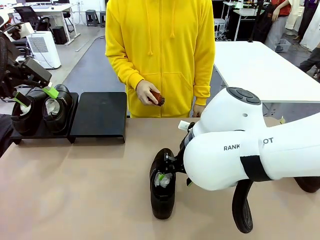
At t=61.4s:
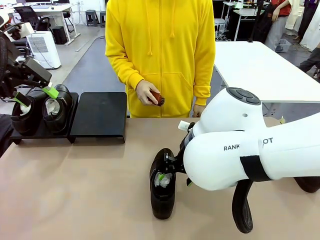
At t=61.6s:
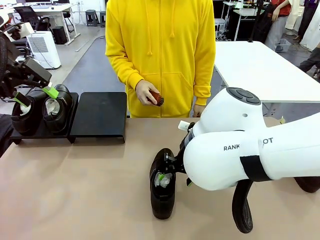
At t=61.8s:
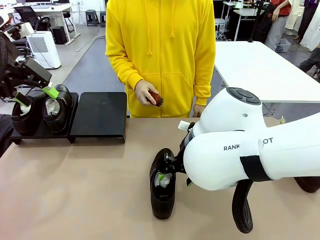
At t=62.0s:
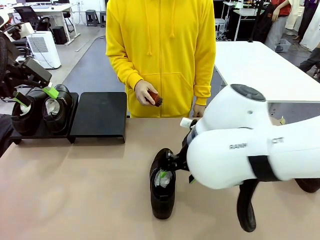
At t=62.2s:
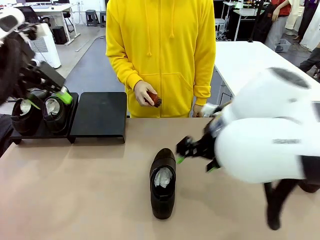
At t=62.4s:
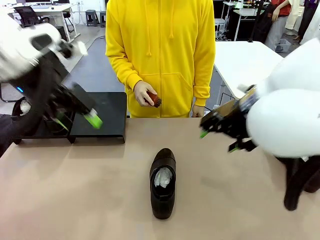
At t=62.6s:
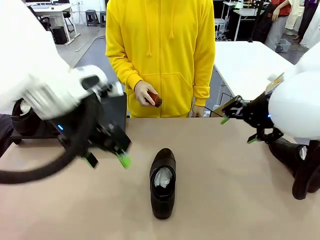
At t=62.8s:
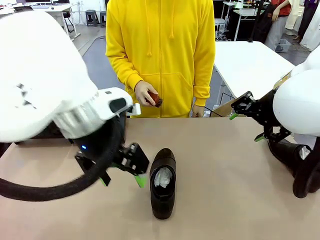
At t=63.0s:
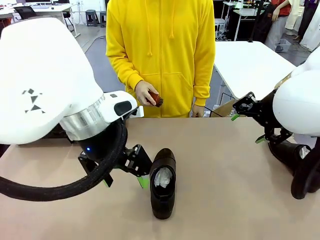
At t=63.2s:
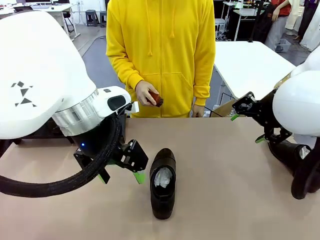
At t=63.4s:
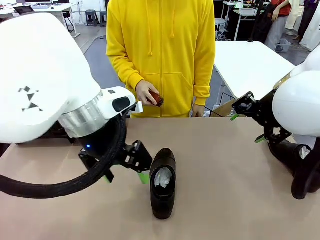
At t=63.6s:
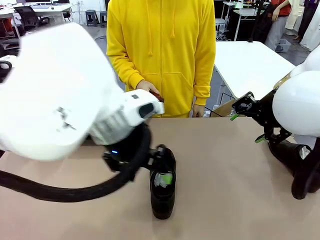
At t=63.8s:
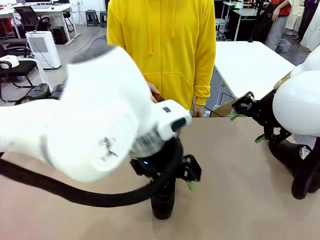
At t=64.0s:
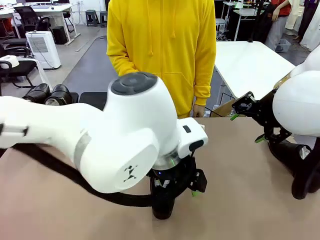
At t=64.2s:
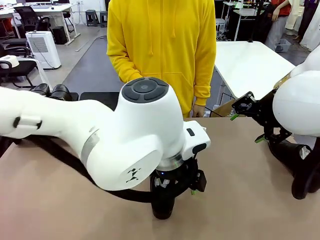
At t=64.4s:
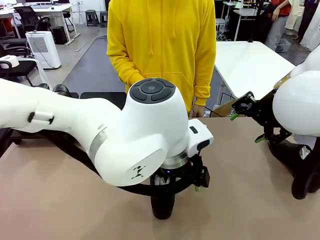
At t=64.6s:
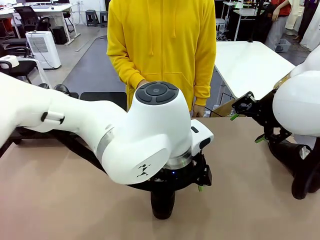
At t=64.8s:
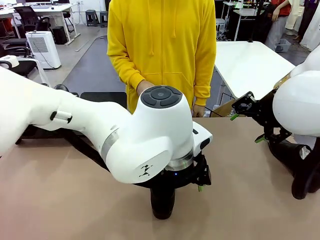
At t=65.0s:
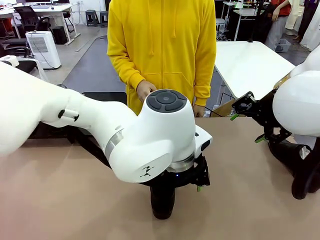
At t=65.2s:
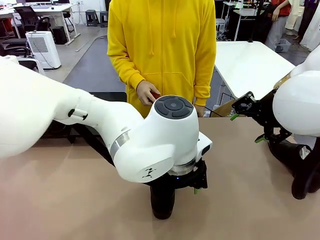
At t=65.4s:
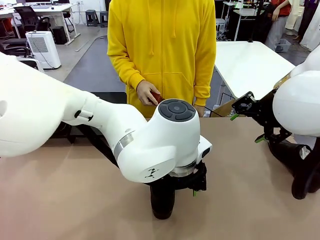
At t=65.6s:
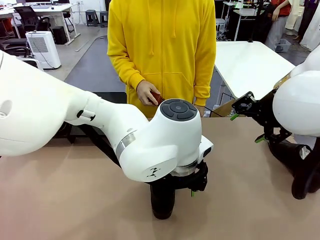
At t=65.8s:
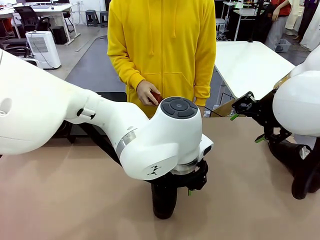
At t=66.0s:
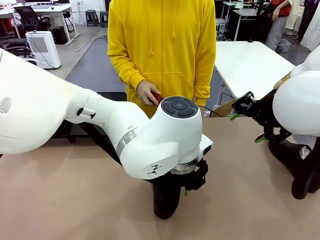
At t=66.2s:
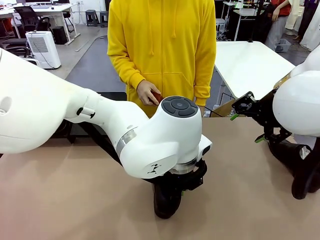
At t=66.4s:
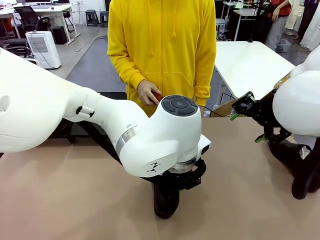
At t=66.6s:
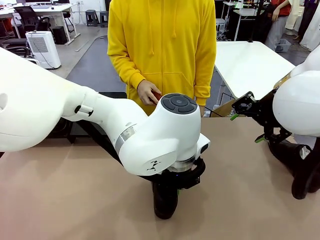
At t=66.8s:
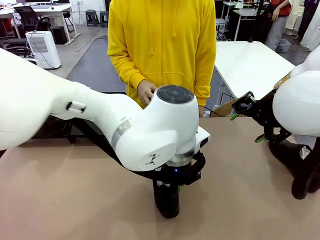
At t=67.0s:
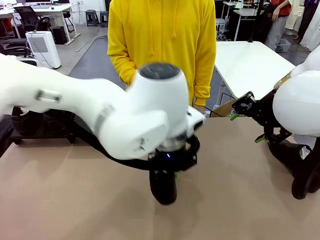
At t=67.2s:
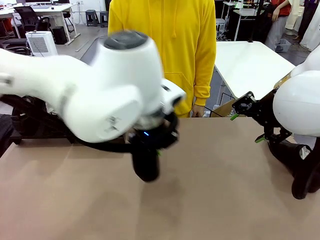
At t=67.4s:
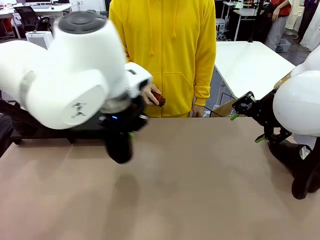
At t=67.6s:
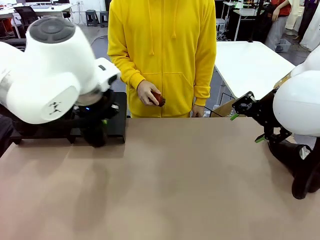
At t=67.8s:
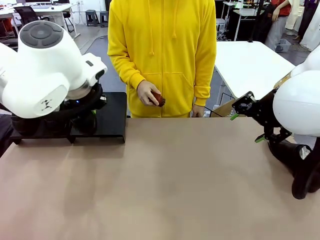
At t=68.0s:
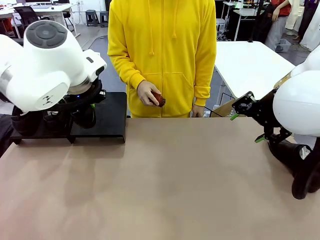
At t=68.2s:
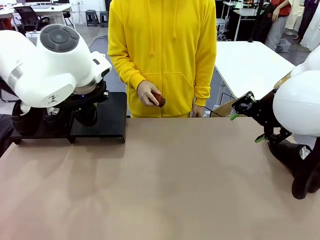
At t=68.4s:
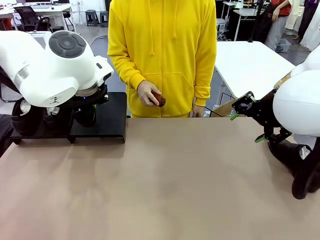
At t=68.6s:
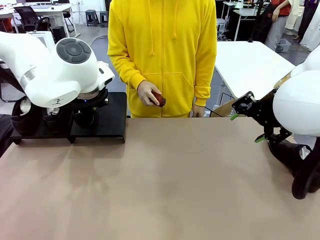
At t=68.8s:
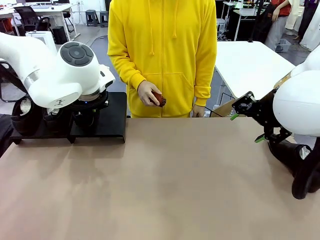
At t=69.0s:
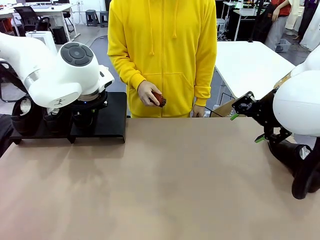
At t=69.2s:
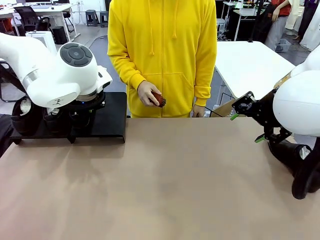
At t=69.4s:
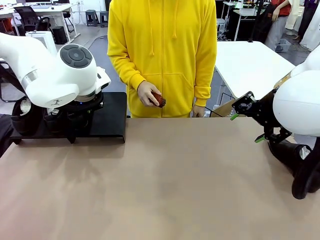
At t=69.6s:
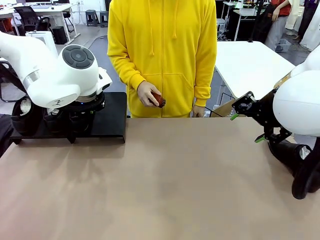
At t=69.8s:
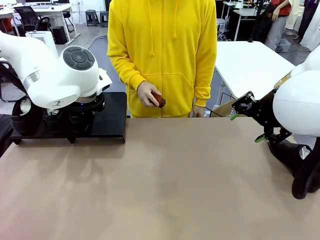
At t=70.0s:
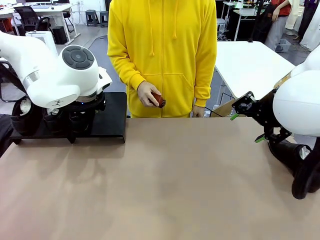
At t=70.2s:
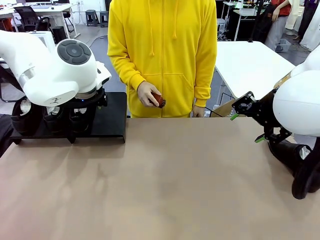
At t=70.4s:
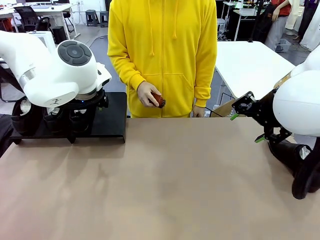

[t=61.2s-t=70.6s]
Task: Organize the shoes by placing them on the stand.
Robot: Place the Shoe from the middle of the table onto the Shoes Stand.

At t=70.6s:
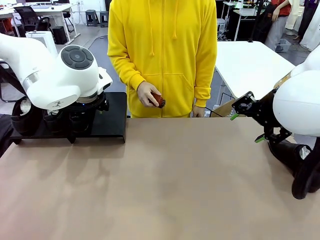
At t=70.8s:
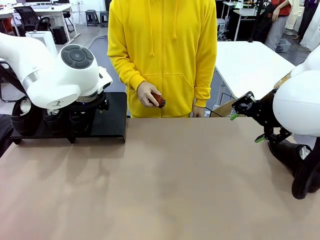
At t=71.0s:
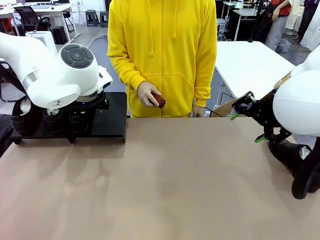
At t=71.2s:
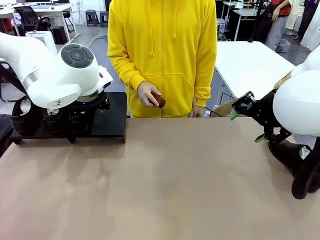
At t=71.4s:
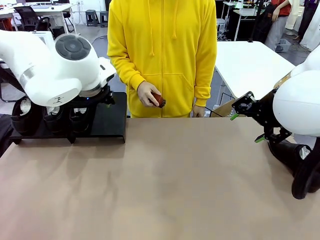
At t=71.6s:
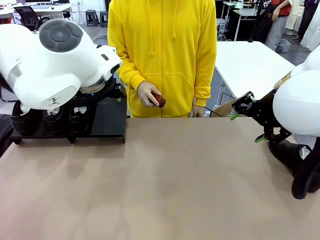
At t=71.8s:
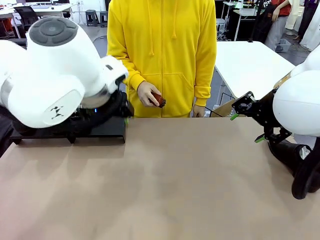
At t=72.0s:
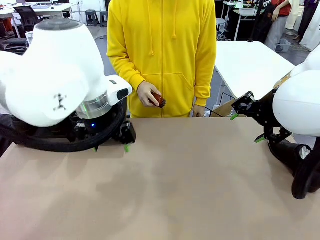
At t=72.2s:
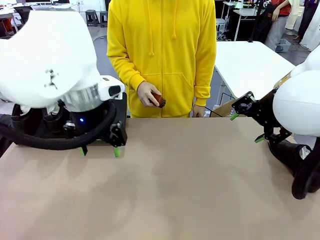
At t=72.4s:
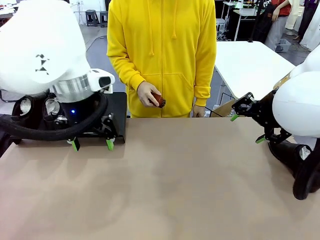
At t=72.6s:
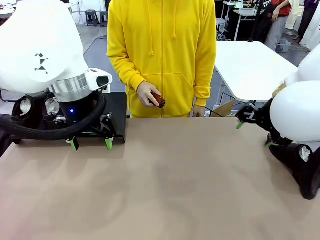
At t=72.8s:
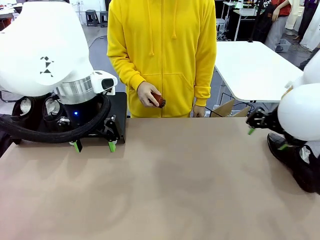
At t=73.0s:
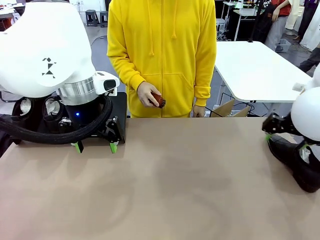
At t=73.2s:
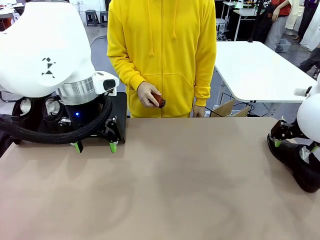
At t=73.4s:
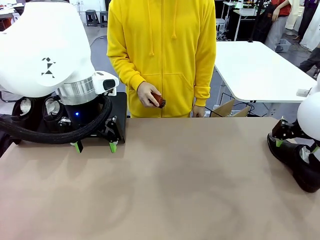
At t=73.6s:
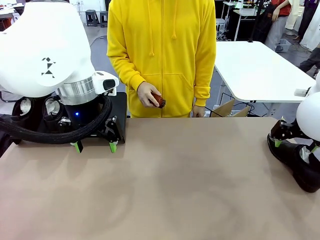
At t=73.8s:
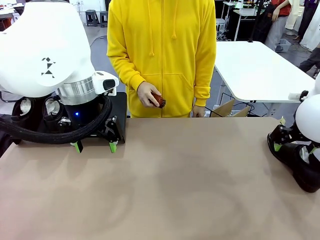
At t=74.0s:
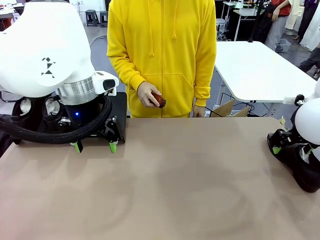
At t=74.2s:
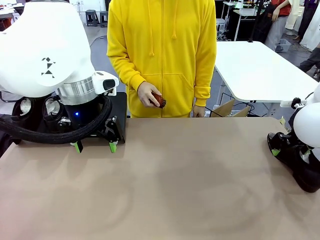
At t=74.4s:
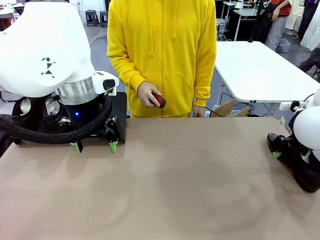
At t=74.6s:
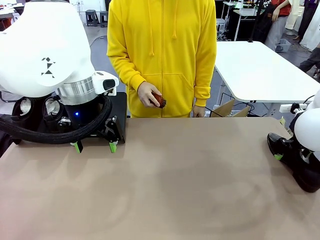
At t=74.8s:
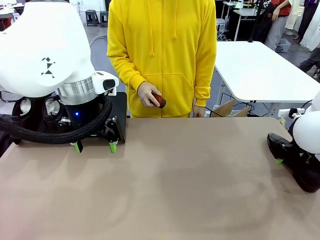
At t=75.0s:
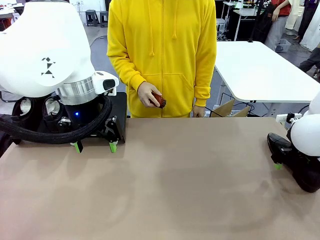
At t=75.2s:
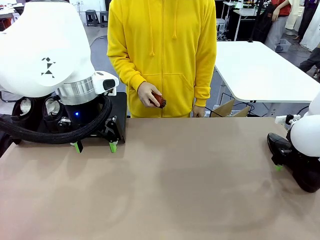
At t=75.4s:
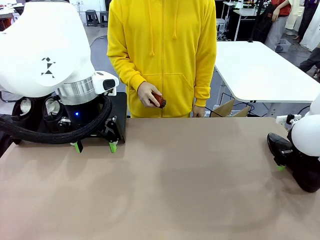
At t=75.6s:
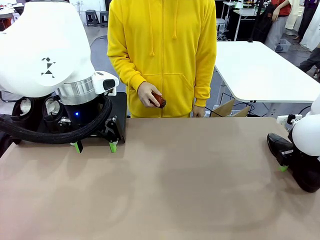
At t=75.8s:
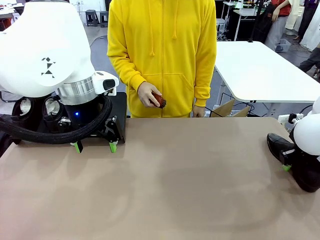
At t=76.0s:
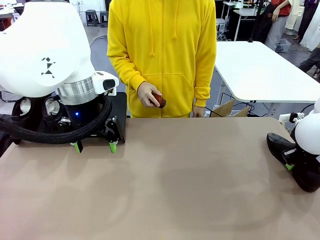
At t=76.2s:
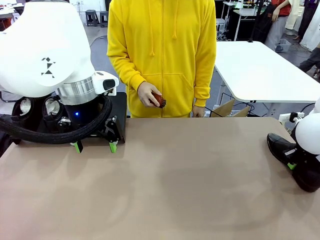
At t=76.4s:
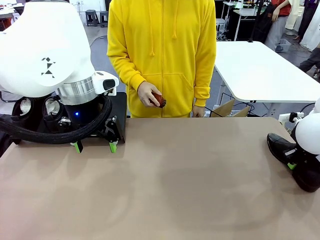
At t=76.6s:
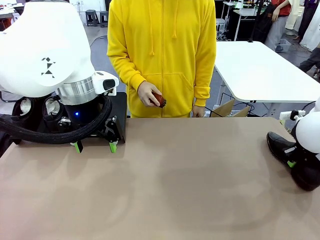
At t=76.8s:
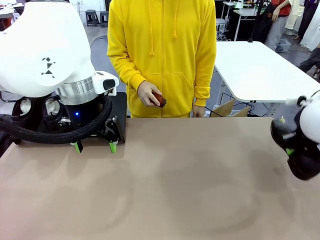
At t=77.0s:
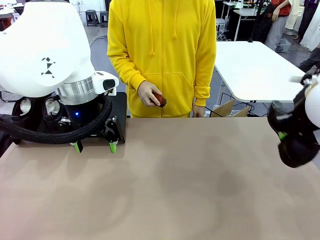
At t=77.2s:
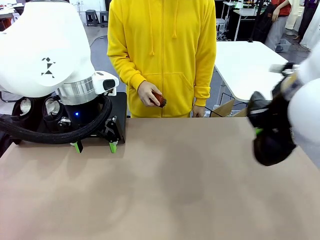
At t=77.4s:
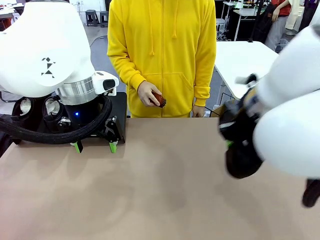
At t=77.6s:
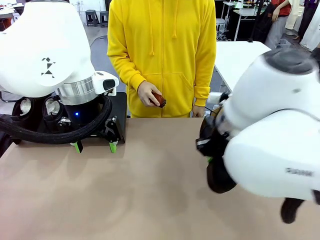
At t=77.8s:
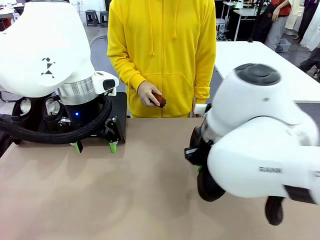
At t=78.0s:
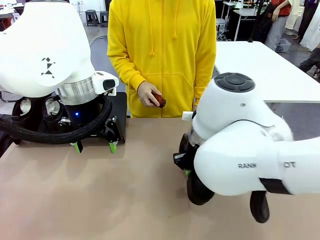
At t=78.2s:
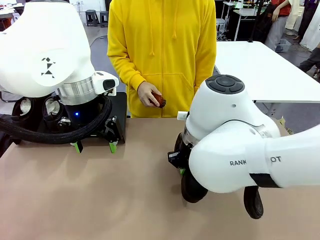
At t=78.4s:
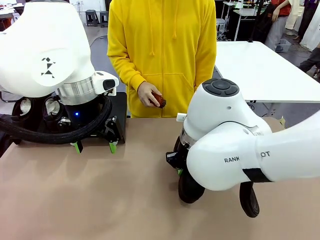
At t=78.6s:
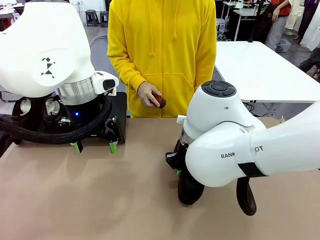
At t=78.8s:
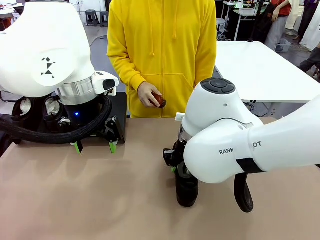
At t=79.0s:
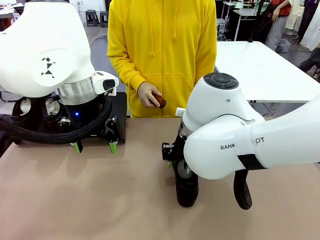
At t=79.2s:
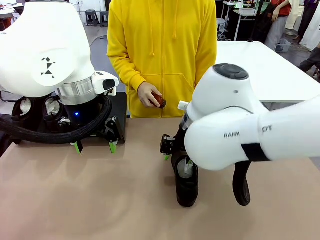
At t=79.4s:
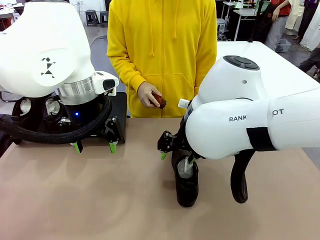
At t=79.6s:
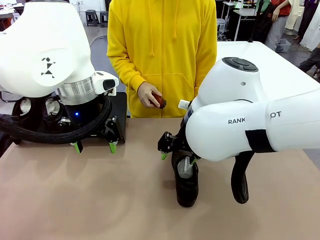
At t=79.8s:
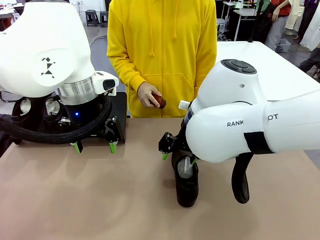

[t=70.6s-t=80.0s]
Robot: Pick up one Shoe and place it in the middle of the table.

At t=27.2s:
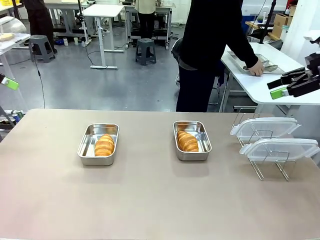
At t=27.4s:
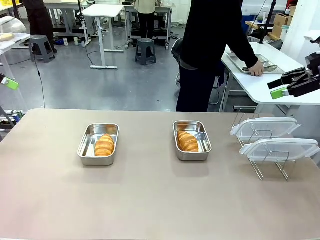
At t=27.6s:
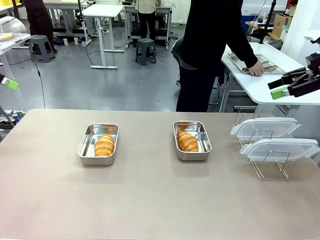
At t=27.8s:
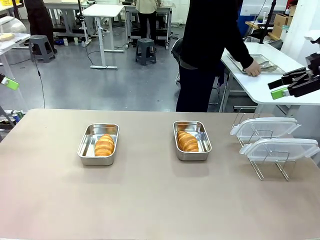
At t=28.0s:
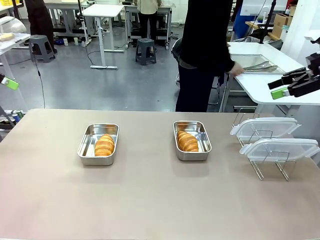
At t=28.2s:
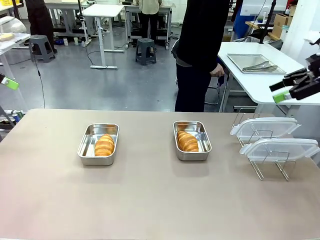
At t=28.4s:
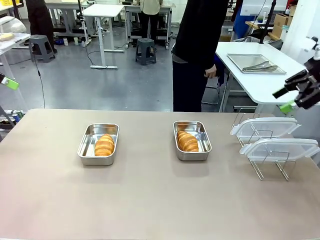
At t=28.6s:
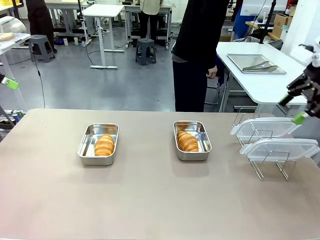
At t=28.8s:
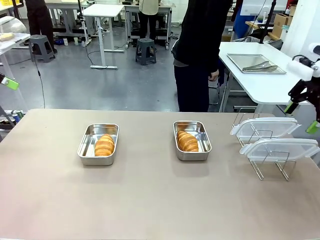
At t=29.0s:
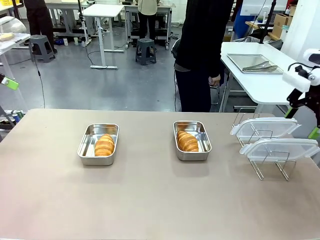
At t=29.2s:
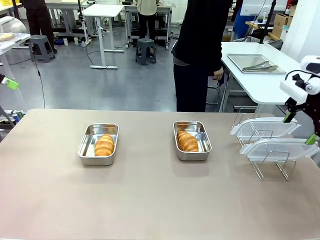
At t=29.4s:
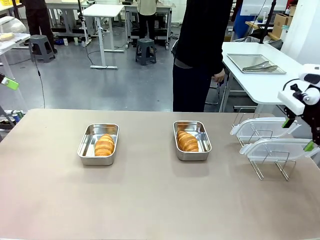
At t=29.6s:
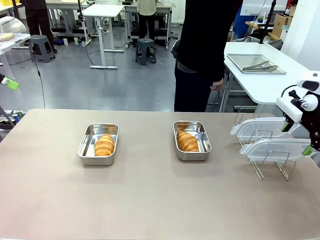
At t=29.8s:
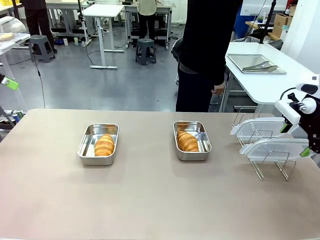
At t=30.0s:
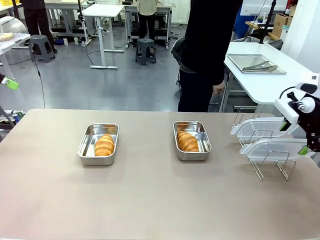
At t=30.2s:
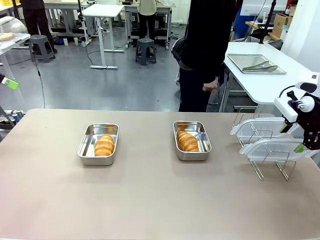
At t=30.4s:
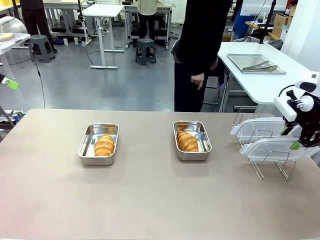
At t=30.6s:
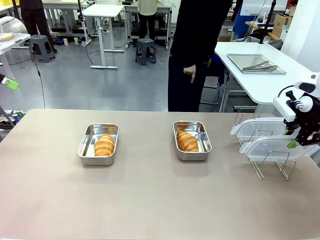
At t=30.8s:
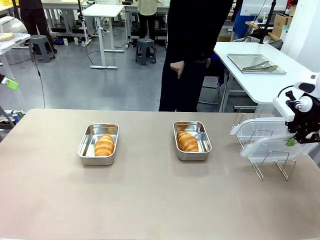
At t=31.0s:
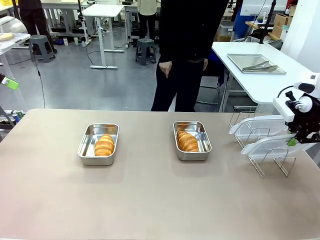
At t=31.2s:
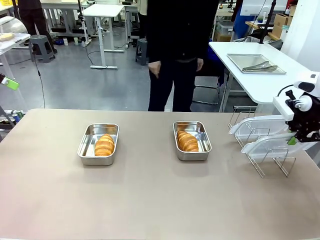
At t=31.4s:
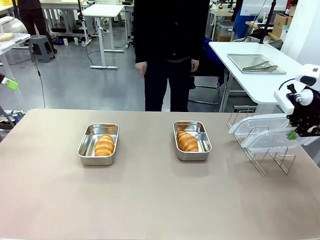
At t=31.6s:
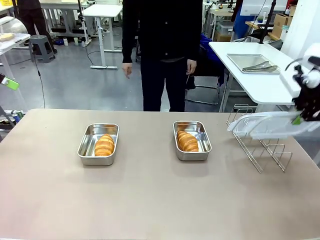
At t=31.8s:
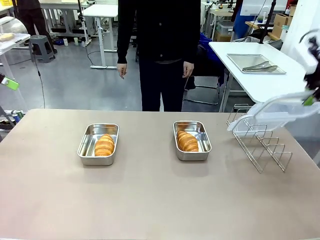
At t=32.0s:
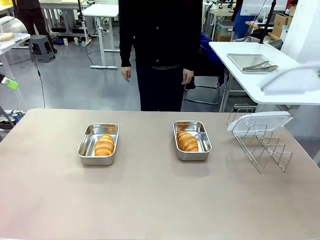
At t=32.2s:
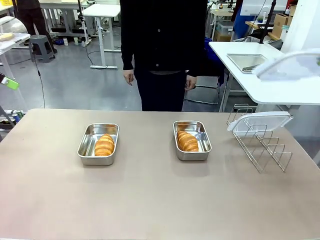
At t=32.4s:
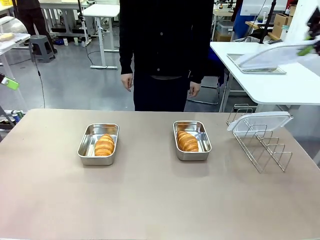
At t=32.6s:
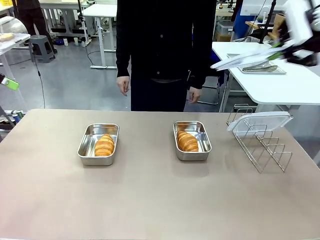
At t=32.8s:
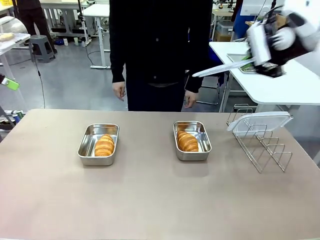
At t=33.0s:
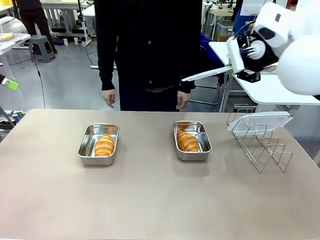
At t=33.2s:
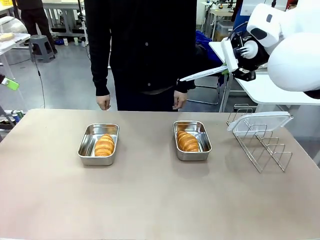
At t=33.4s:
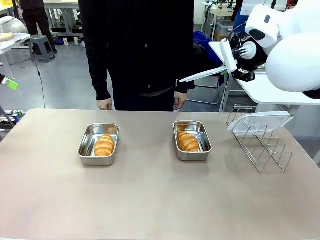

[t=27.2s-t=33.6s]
Task: Place the bread in airtight containers.
Robot: Pick up one Airtight Container lid and hand it to the human.
Person: Grip Airtight Container lid that robot is handing.
